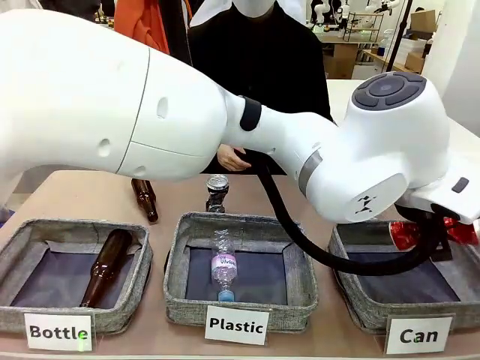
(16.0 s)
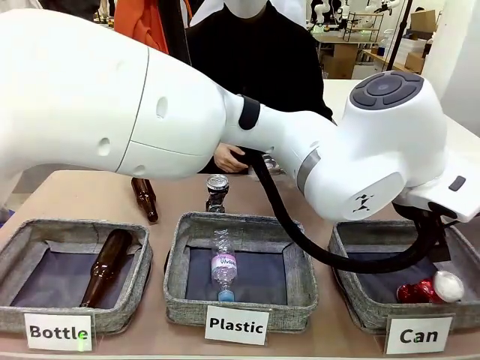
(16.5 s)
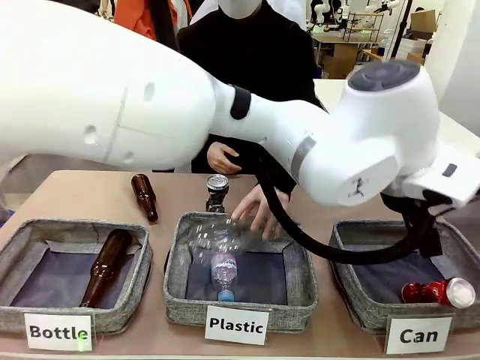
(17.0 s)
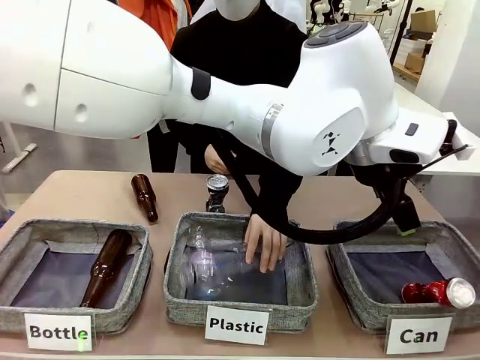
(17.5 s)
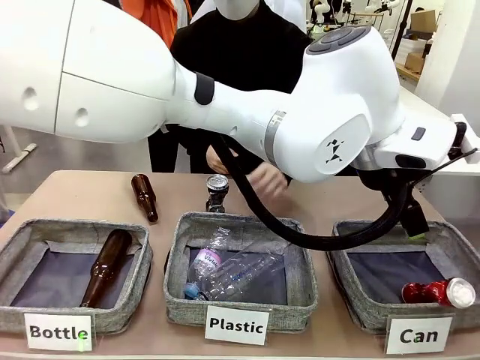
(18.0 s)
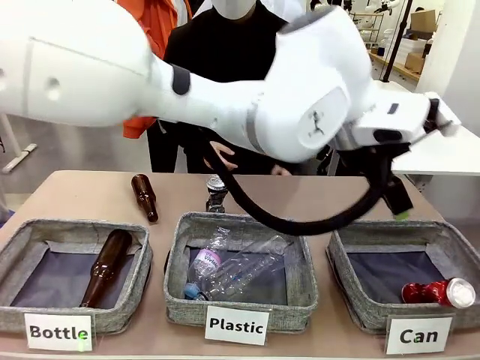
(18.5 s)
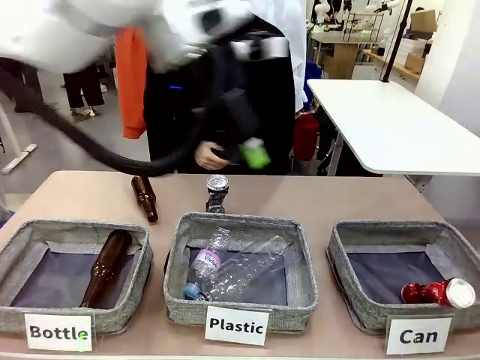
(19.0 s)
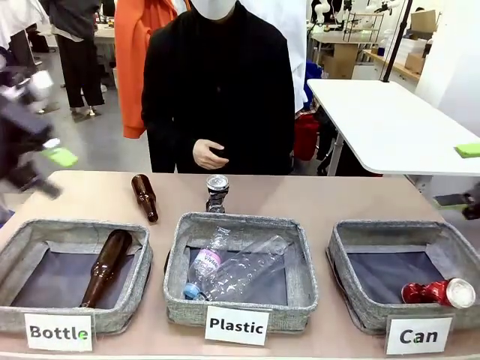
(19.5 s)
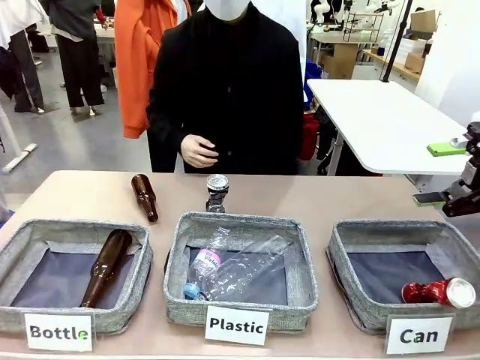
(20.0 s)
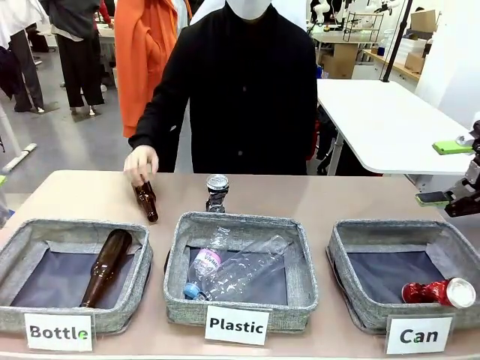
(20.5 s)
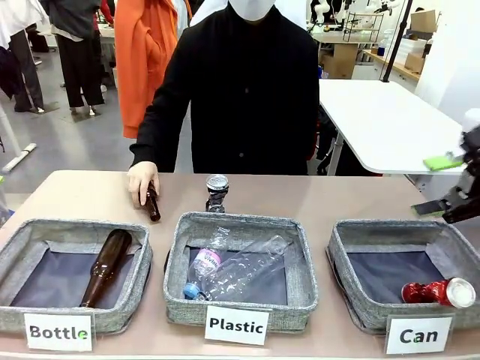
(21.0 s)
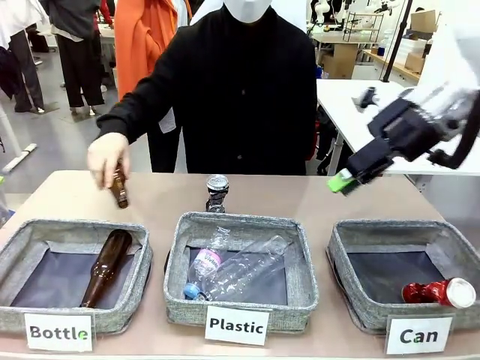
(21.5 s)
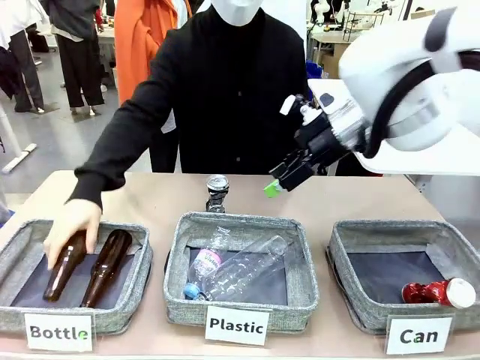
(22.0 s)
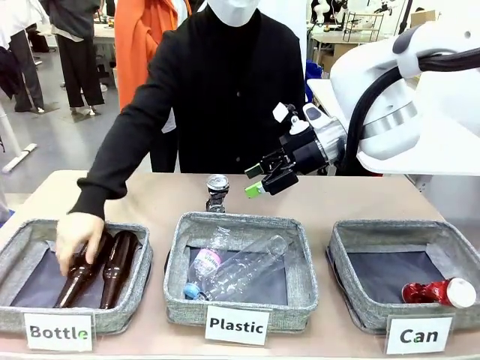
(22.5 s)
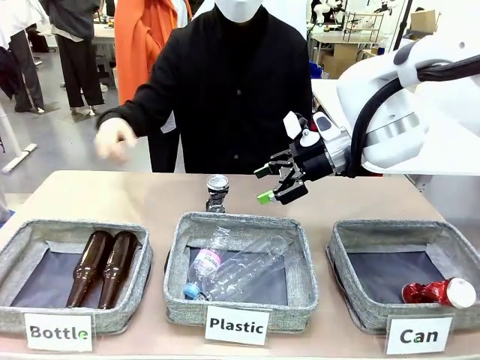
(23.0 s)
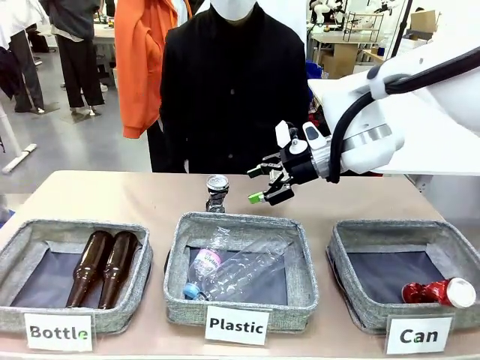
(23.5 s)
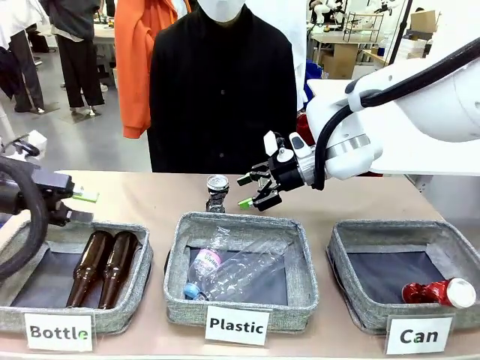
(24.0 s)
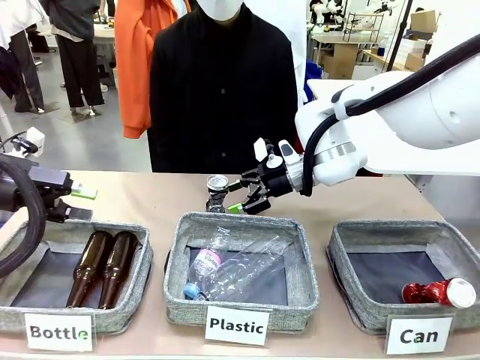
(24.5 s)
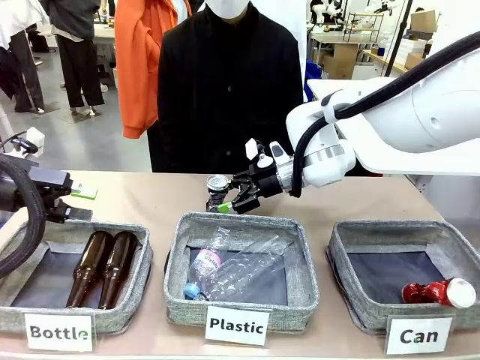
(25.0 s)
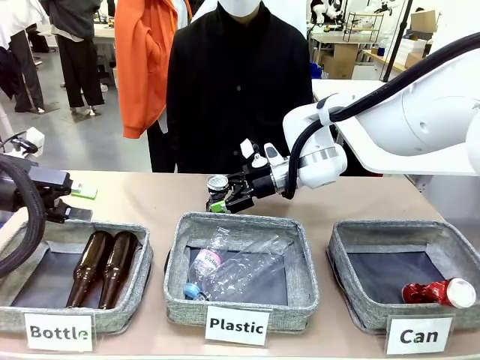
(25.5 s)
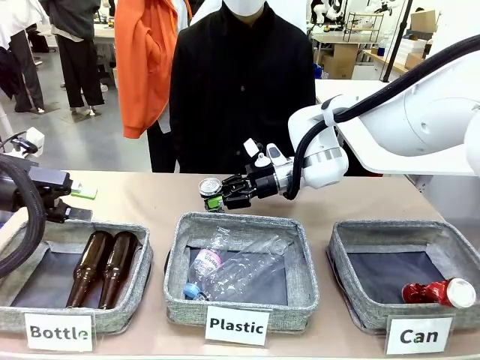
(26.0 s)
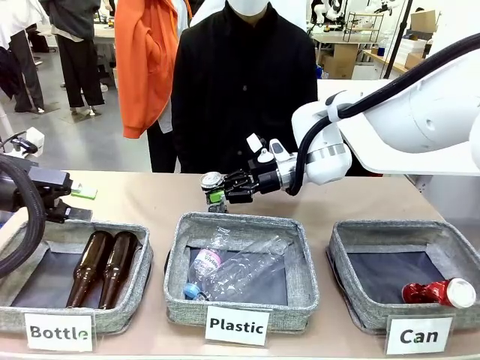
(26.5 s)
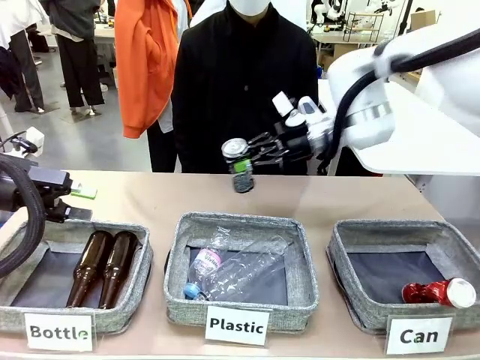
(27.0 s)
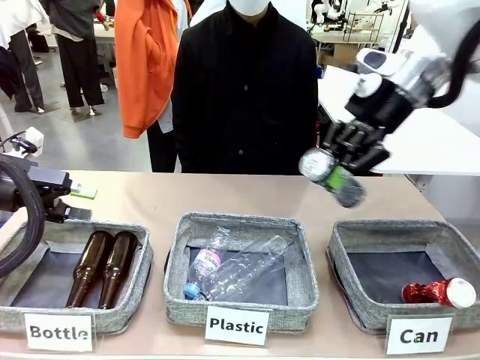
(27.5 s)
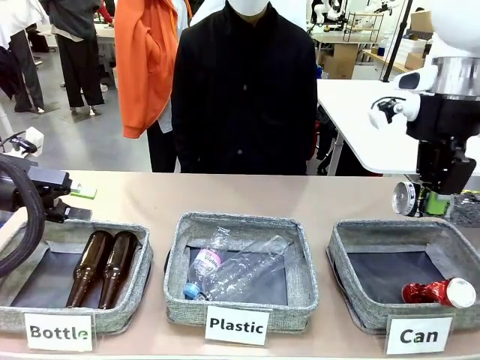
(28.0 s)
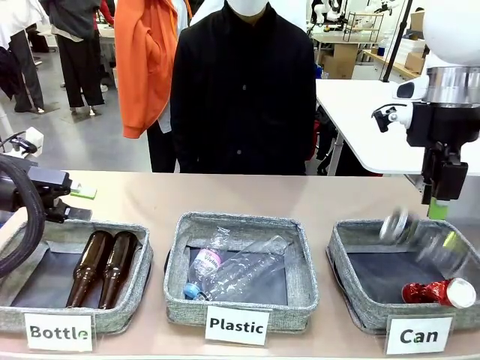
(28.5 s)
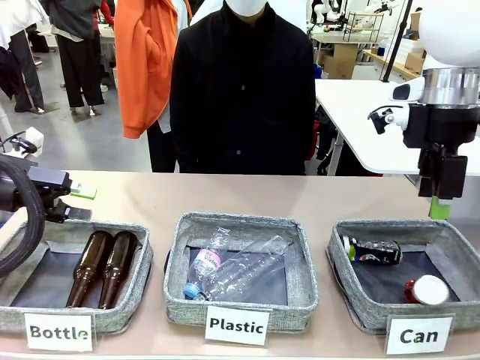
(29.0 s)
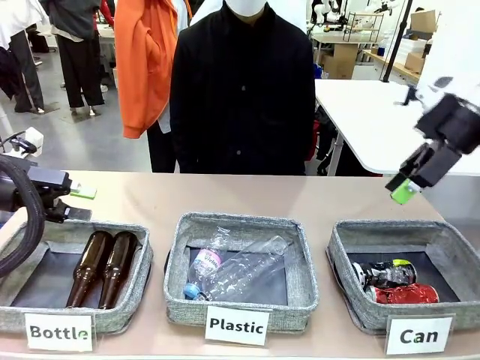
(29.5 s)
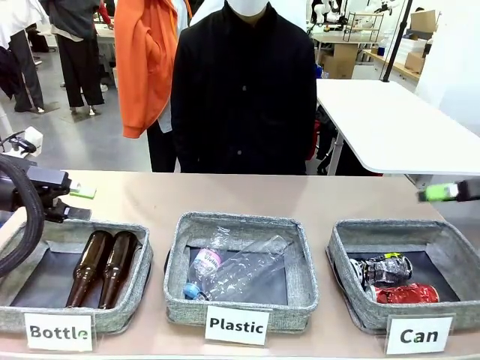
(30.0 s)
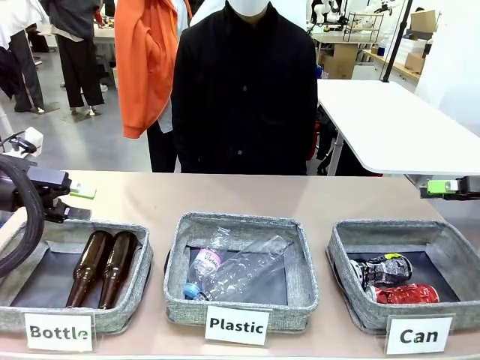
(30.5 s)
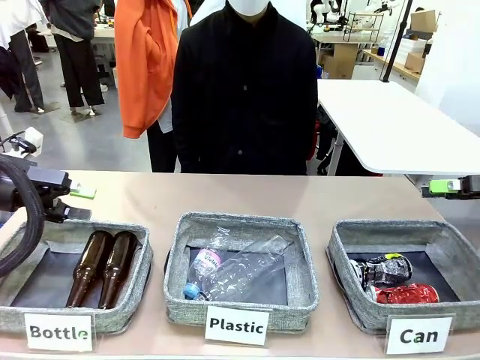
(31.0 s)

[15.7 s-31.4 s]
Task: Sort the can waste into the basket.
Robot: Pick up the can waste from the table and place it in the right Fabric basket.

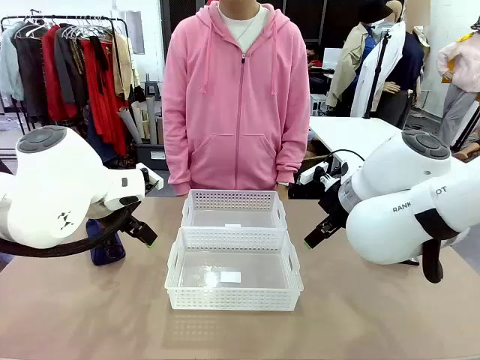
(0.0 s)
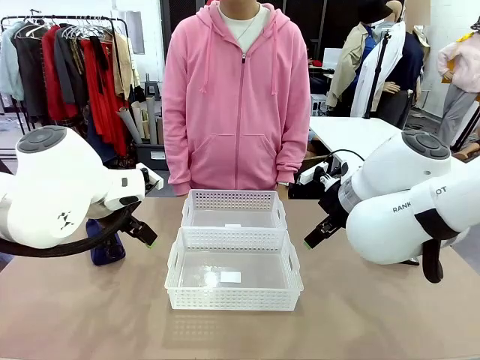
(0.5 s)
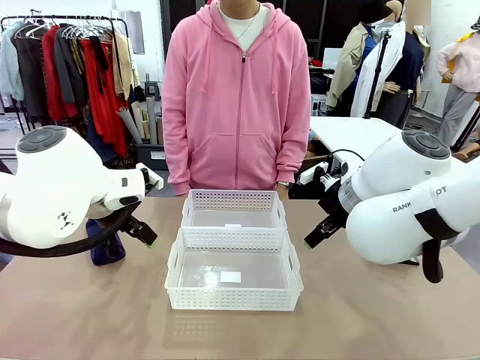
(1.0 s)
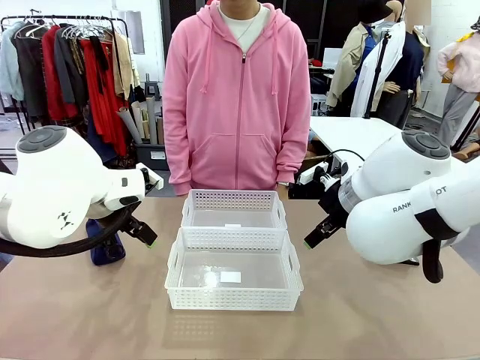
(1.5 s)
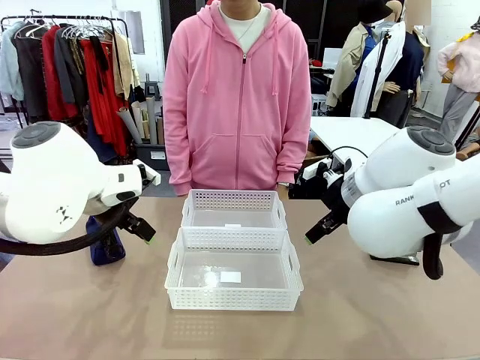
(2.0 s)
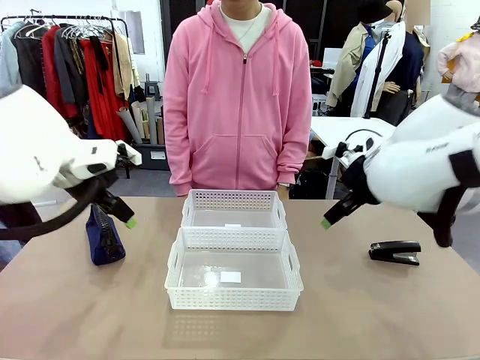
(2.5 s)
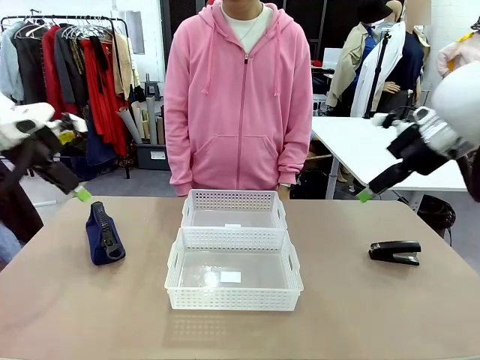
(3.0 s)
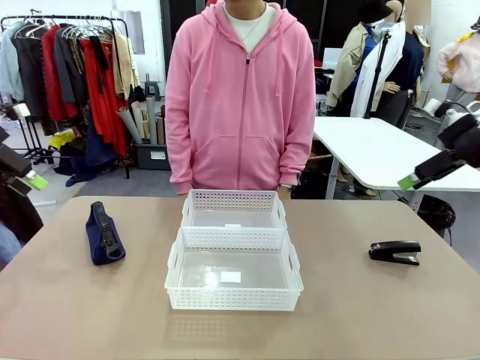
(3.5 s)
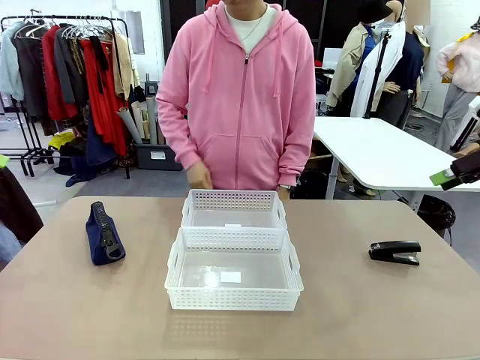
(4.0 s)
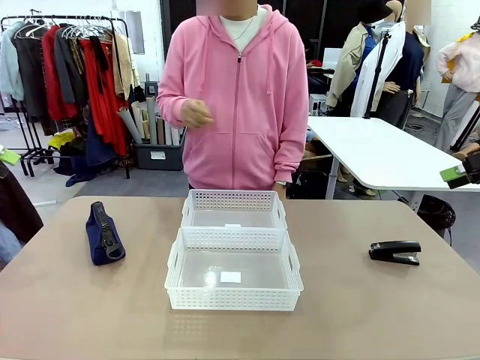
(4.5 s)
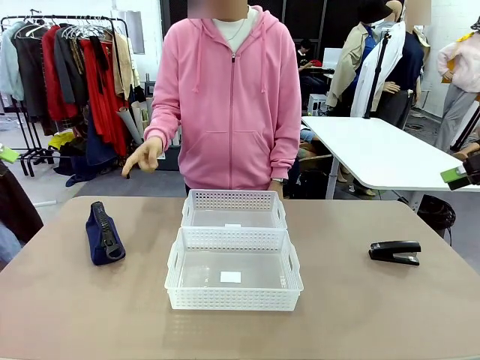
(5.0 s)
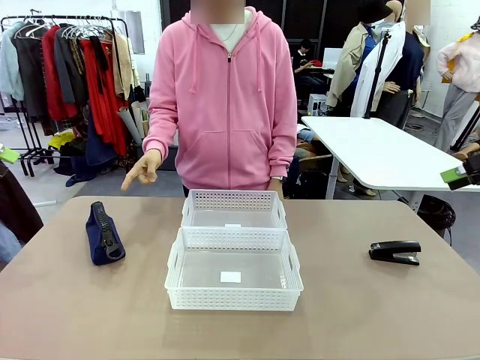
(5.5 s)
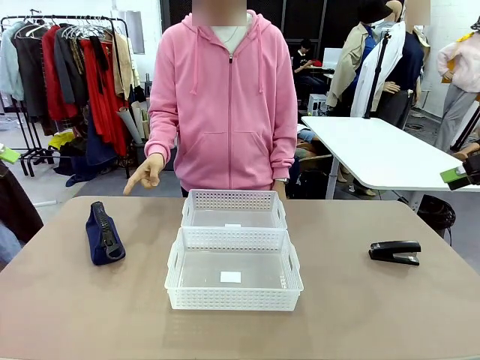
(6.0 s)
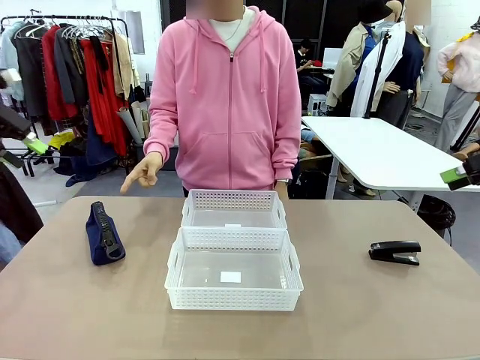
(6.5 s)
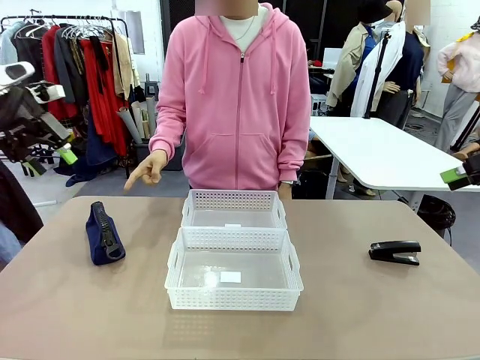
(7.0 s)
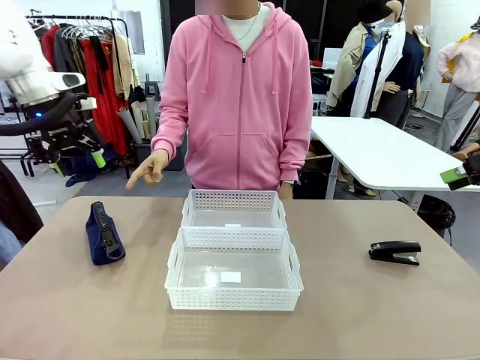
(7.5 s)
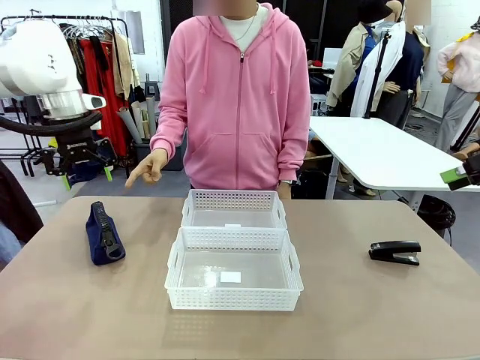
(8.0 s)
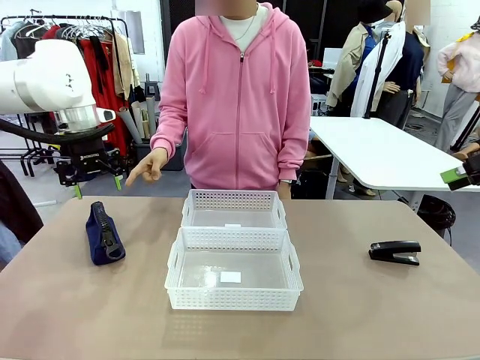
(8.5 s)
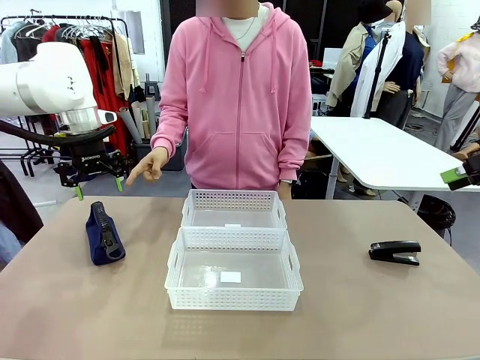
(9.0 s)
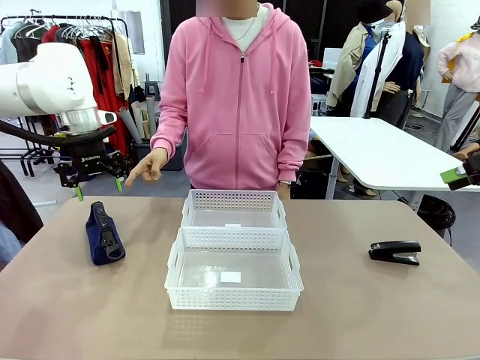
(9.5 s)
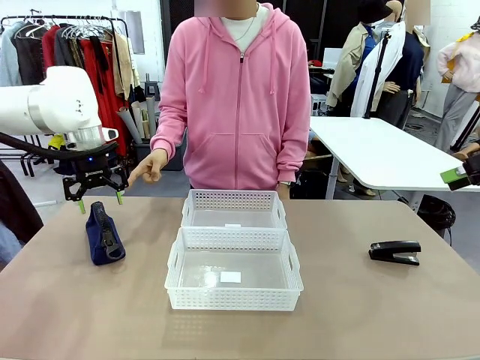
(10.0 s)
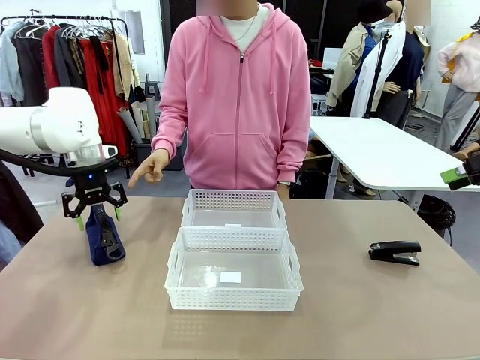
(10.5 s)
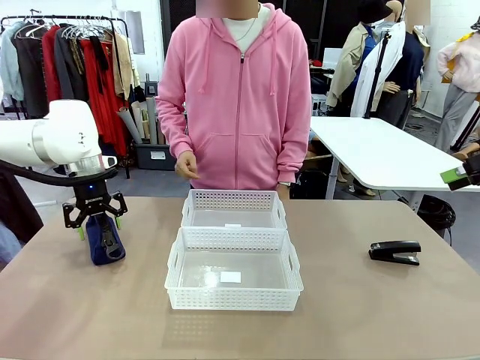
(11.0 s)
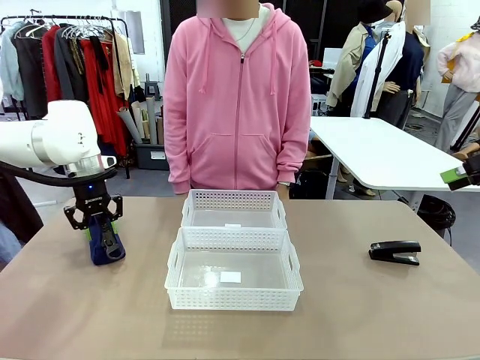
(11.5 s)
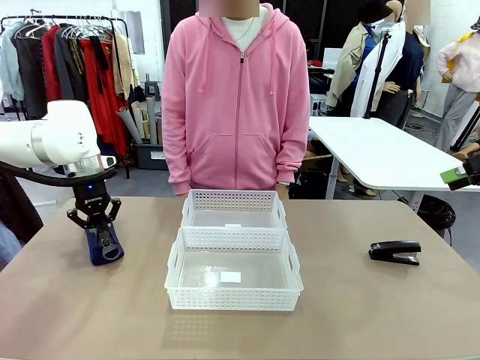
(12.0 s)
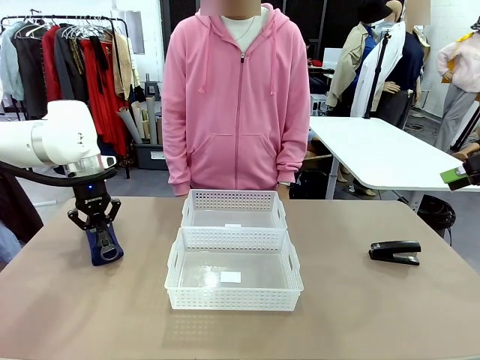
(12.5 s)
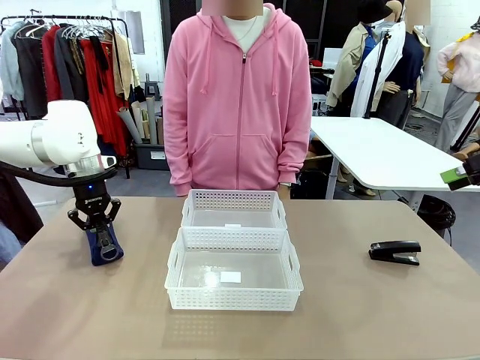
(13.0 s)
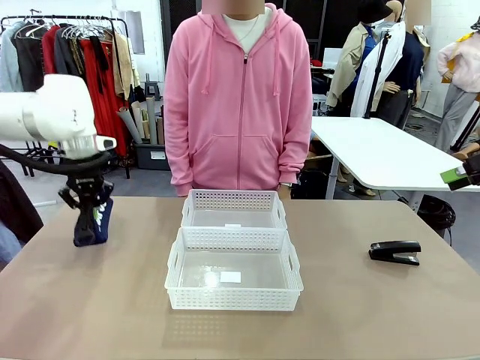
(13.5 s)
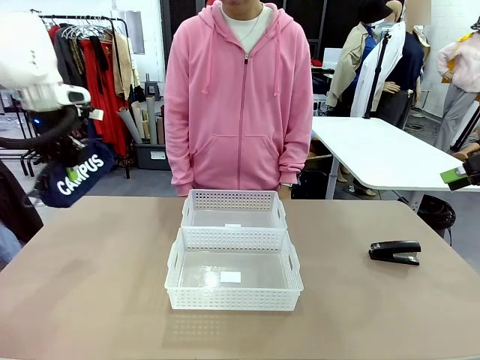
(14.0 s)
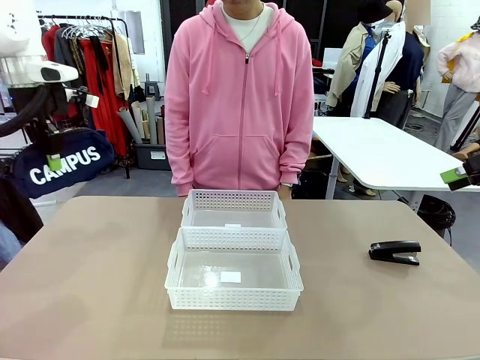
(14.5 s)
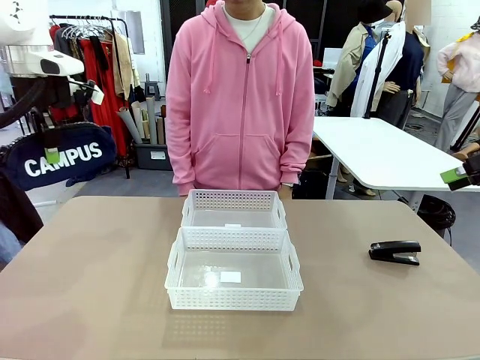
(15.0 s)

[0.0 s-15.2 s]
Task: Distribute items into two baskets.
Robot: Pick up the Pencil pouch that the person points to.
Person: Points to the pencil case. Points between the two organizing baskets and instructs the robot to move the pencil case.
